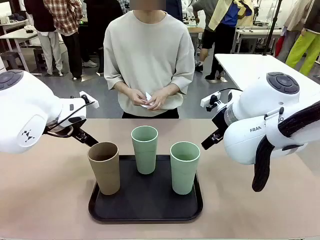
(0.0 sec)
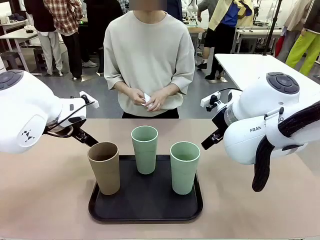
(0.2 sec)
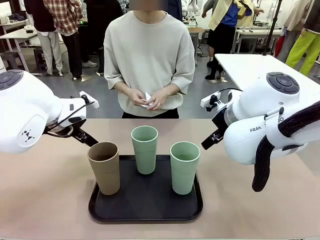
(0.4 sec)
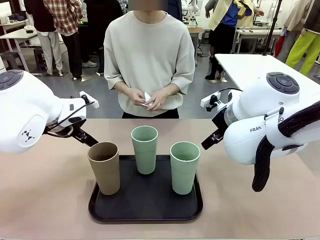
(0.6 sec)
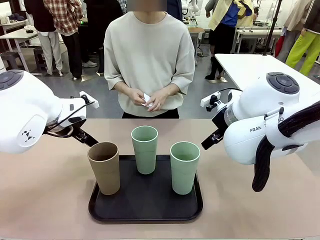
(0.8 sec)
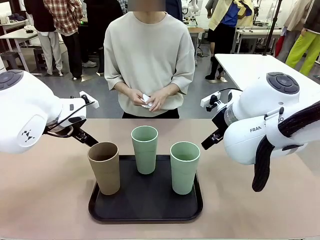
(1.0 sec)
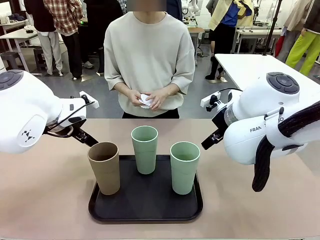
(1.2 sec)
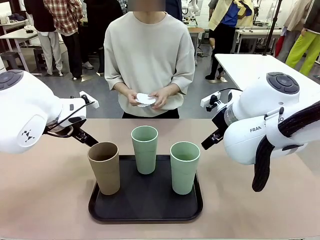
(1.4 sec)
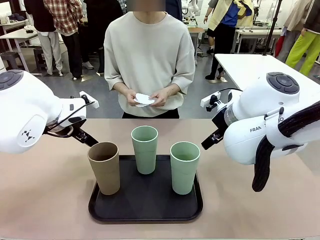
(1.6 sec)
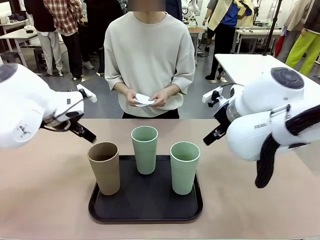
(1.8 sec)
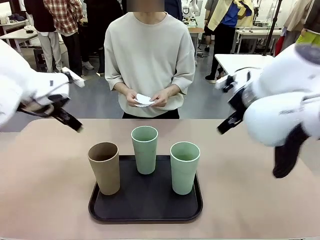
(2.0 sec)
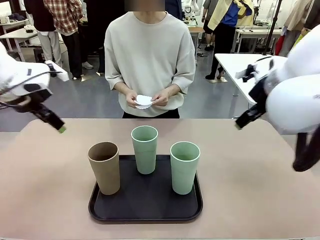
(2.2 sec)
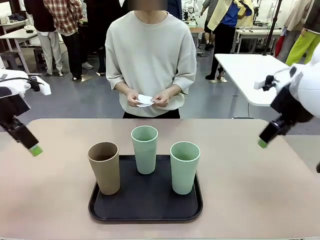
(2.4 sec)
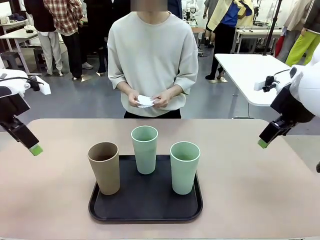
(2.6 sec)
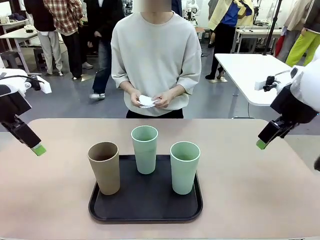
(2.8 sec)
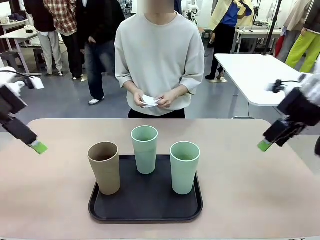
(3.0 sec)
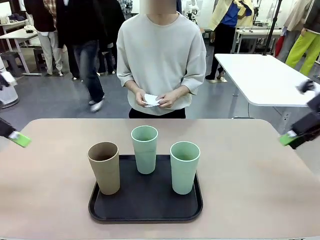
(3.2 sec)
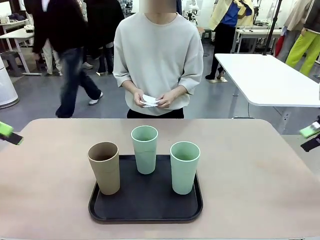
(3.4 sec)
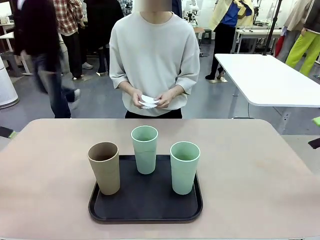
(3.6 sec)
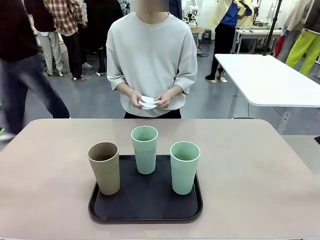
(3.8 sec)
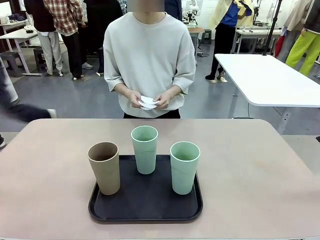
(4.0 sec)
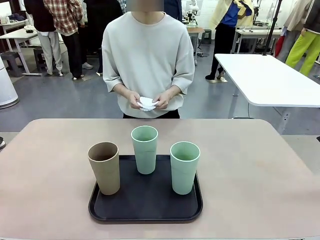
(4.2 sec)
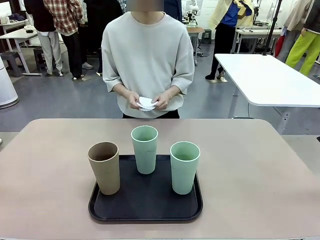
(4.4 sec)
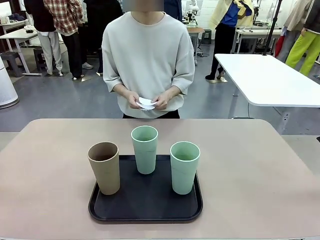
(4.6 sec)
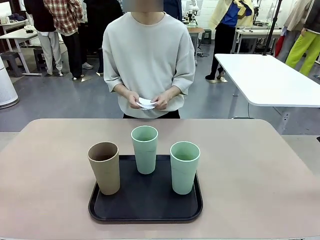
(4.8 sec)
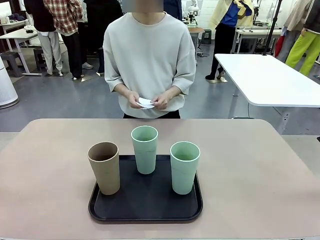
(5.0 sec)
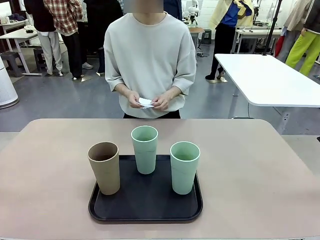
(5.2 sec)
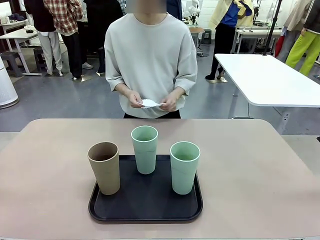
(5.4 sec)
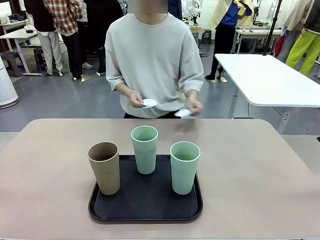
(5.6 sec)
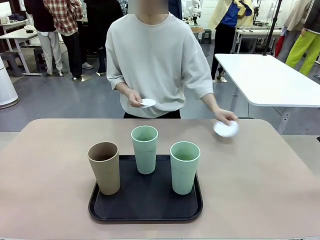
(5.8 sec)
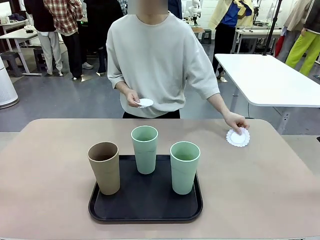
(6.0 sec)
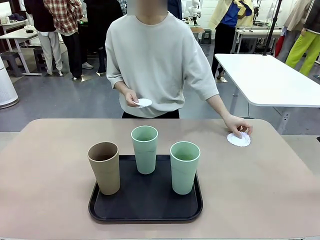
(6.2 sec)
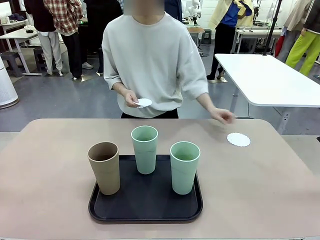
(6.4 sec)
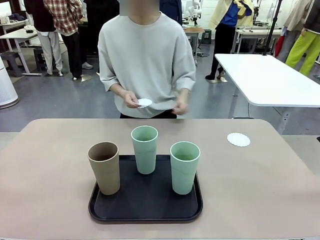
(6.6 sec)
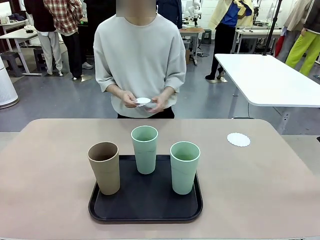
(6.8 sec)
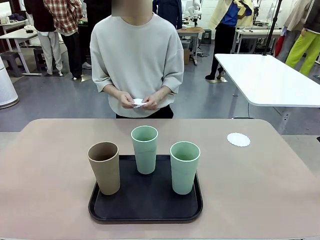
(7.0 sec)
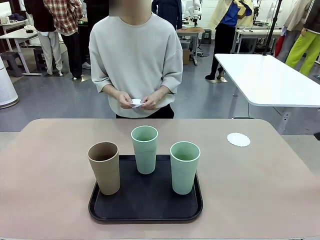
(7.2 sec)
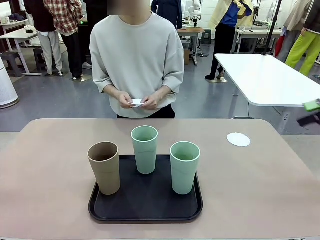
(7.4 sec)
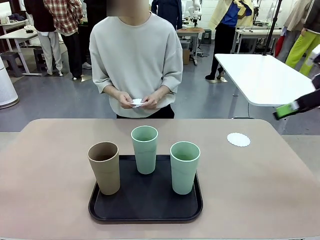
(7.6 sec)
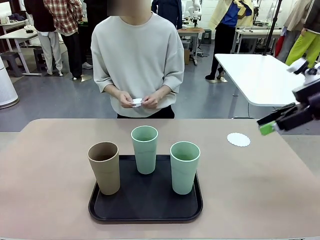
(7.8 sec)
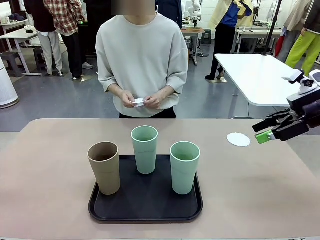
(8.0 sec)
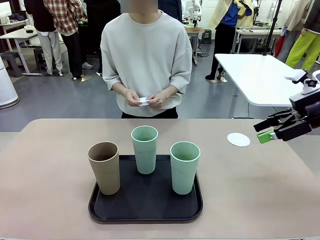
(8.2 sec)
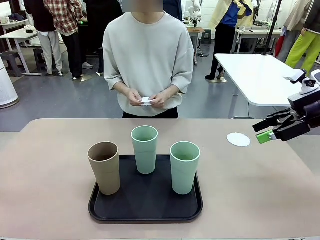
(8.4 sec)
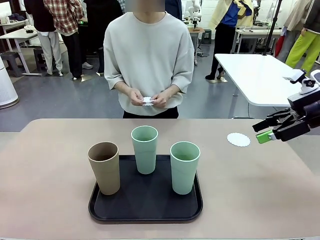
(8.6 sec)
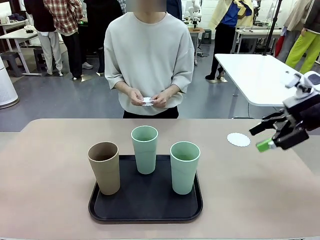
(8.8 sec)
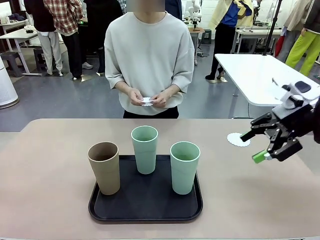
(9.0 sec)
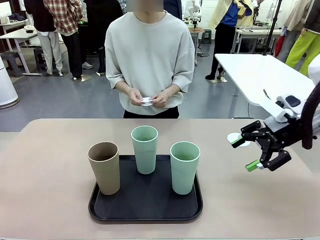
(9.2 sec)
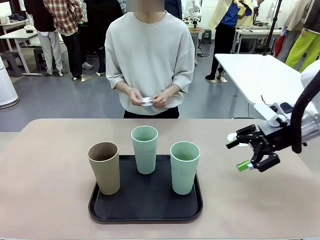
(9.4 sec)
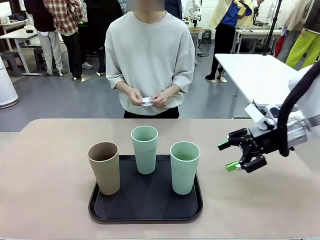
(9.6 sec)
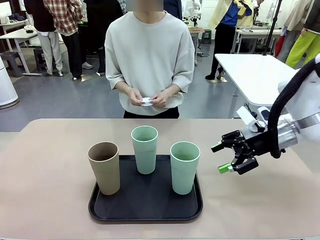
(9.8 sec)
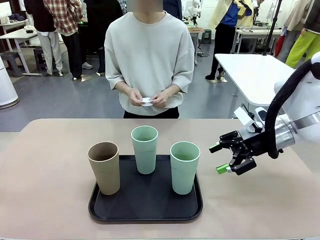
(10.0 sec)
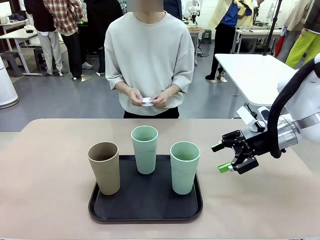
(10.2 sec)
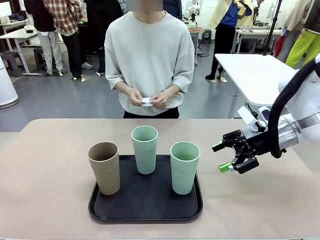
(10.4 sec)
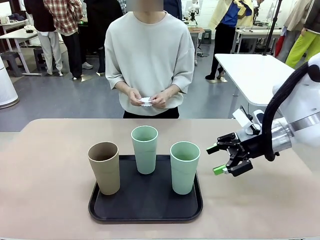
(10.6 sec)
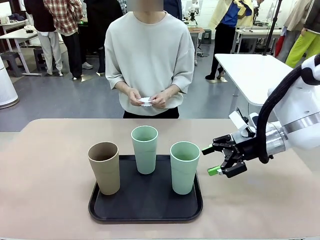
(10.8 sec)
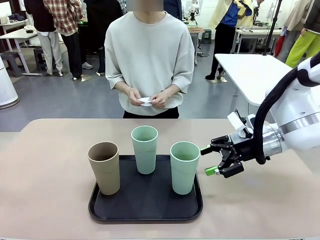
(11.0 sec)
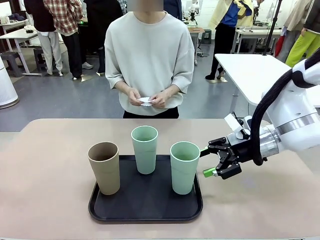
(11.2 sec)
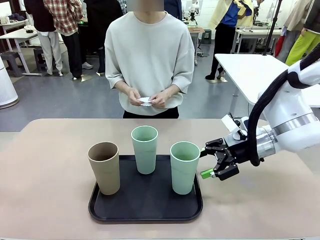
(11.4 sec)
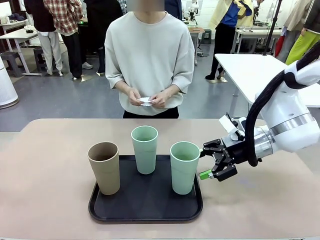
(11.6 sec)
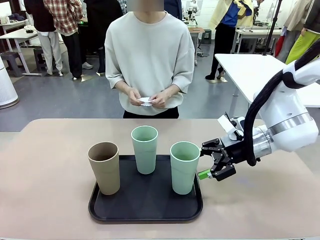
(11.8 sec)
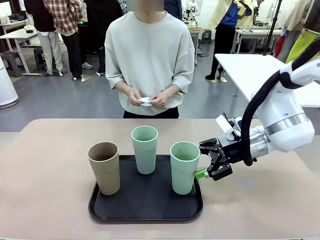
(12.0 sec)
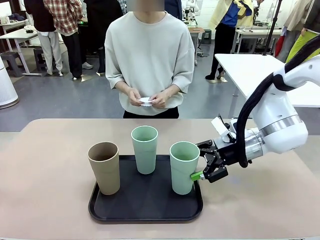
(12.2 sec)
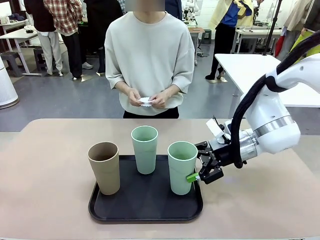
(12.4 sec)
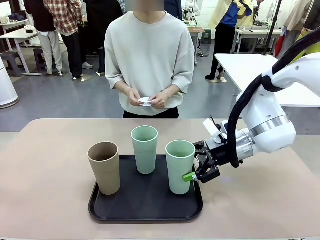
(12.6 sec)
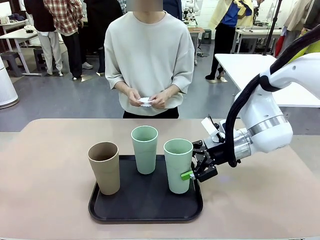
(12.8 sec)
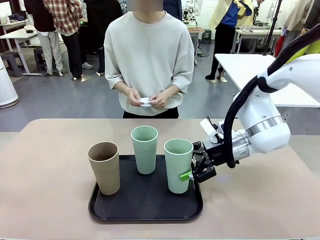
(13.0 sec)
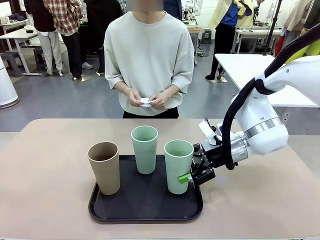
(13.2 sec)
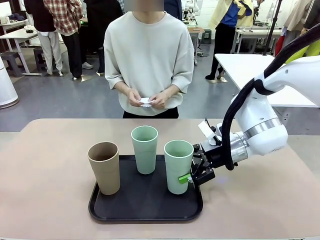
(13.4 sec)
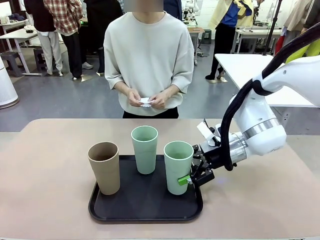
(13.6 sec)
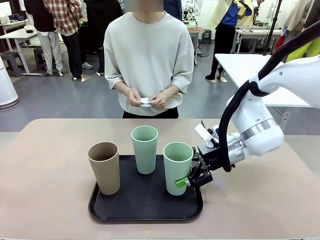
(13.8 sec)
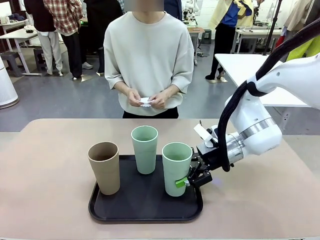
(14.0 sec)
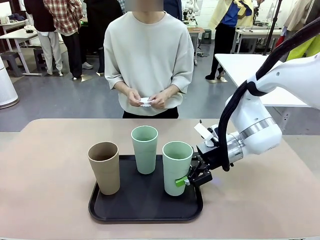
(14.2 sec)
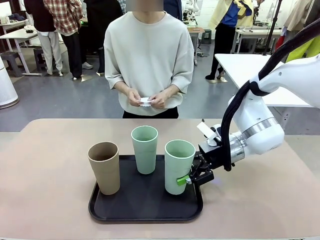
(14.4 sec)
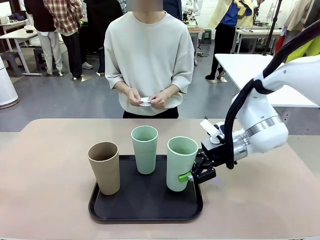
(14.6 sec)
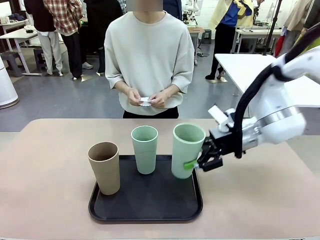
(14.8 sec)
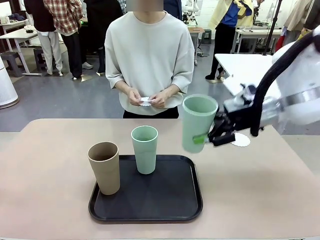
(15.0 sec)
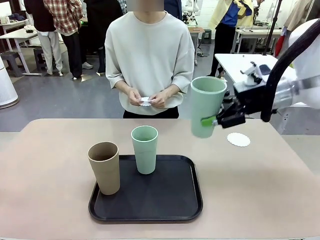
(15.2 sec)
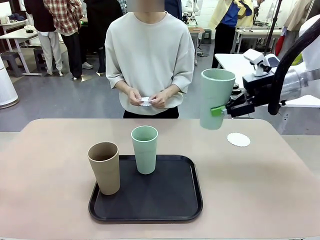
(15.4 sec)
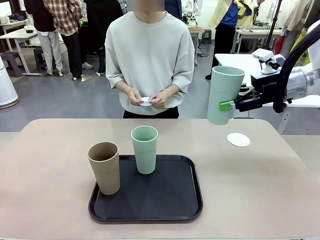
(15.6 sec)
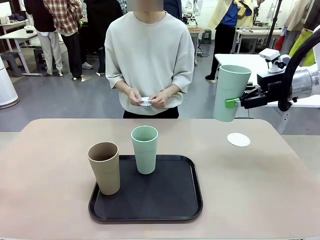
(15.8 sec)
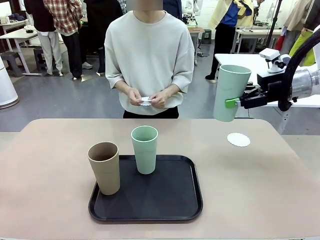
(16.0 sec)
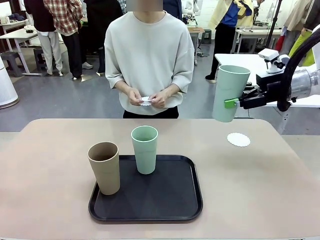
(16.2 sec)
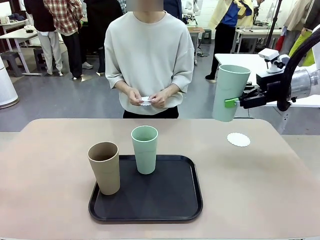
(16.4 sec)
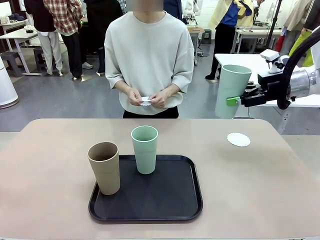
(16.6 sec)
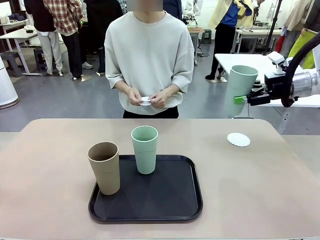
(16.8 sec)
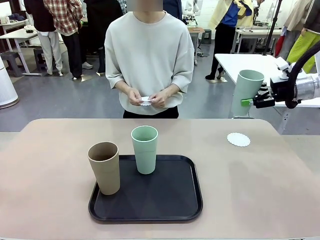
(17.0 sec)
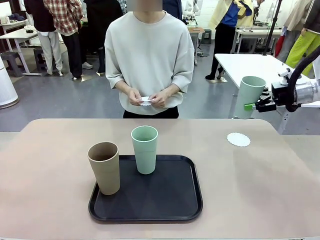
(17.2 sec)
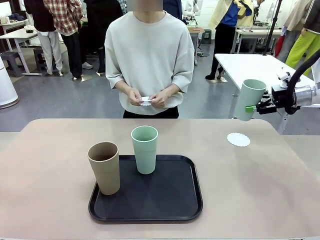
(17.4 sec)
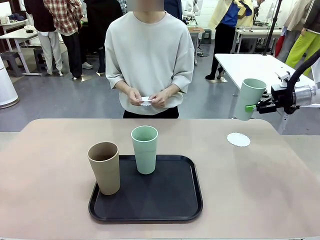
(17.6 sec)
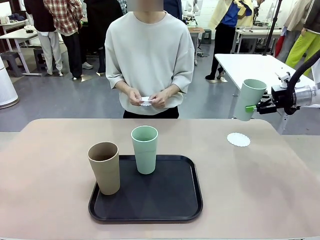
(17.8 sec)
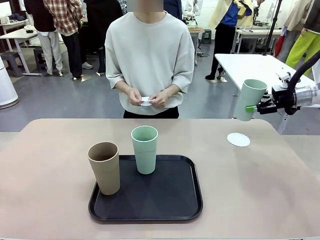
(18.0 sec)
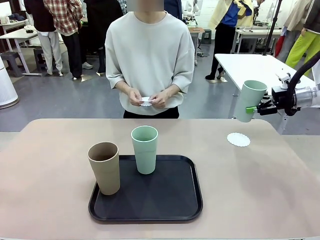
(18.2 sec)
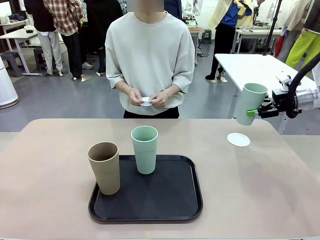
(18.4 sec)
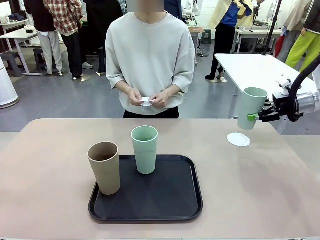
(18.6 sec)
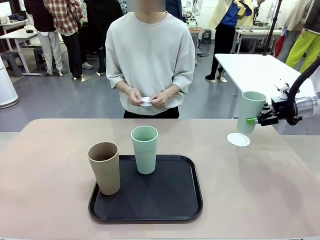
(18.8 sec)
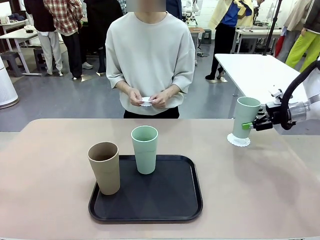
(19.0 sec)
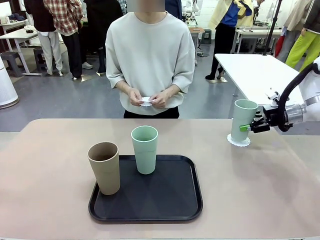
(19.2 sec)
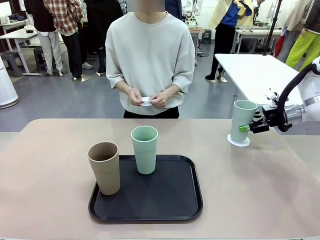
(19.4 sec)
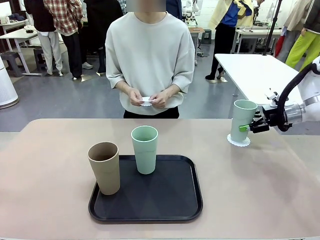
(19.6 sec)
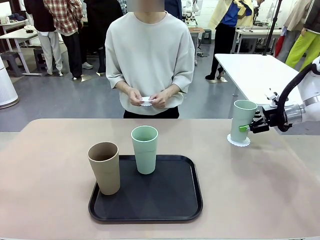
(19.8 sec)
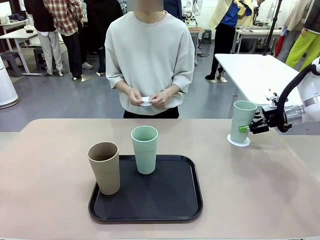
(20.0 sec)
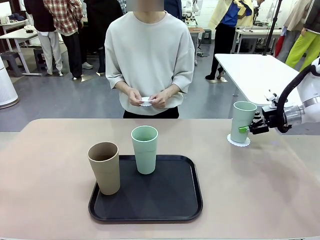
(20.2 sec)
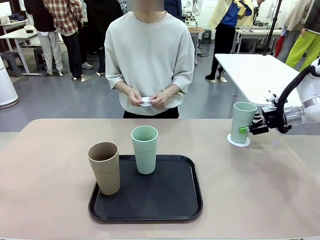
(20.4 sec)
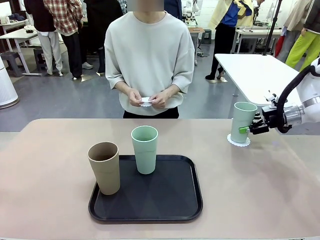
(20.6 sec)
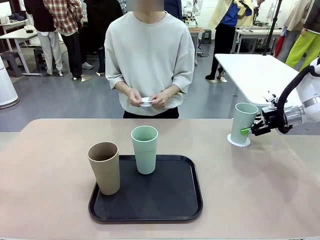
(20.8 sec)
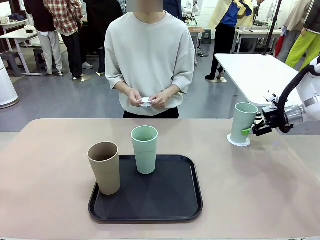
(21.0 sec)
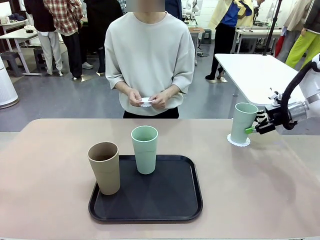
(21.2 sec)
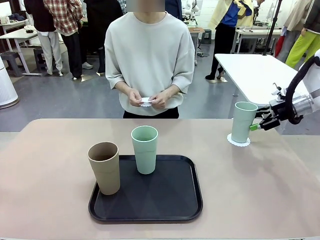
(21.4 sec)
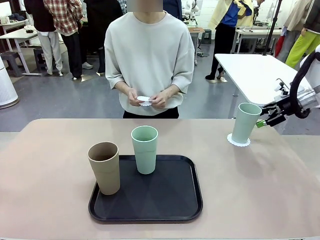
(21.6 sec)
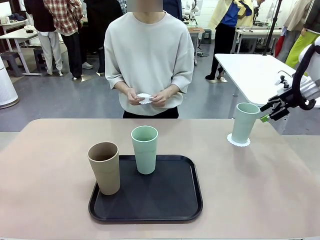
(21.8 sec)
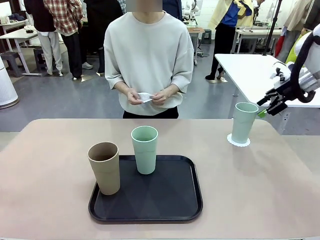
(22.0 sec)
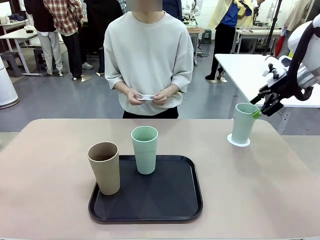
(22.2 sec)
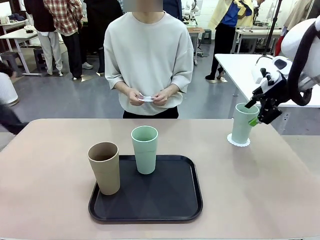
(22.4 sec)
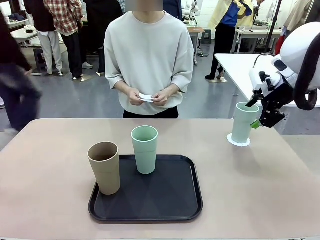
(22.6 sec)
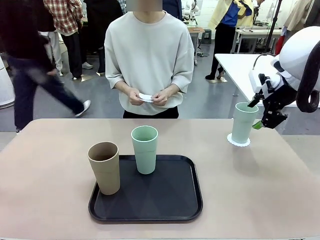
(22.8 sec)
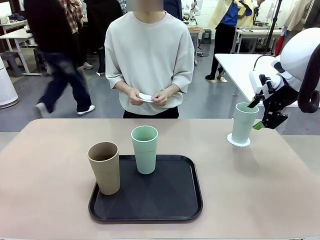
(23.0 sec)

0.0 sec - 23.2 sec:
Task: Place coasters on the table and set cups on them.
Robot: Pick up one Reusable plastic cup and place it on a coaster set by the human.
Person: Place one coaster in any one of the three lower areas of the robot table (left, center, or right). Place one coaster in one of the two areas excluding the previously selected area.
